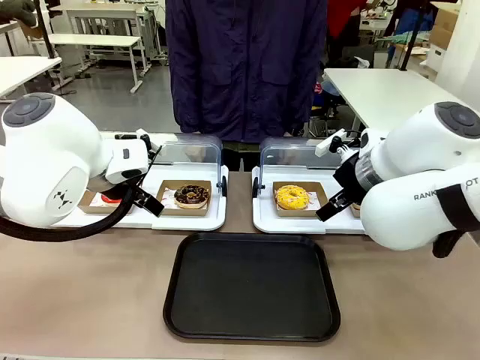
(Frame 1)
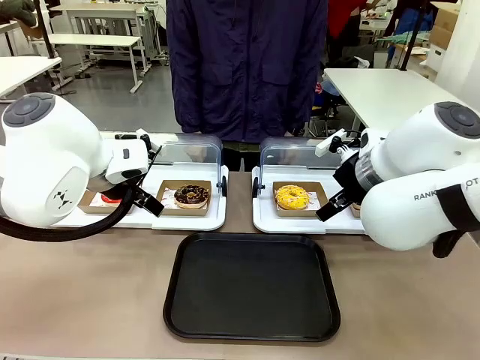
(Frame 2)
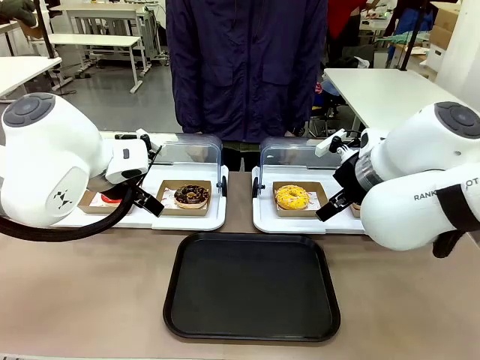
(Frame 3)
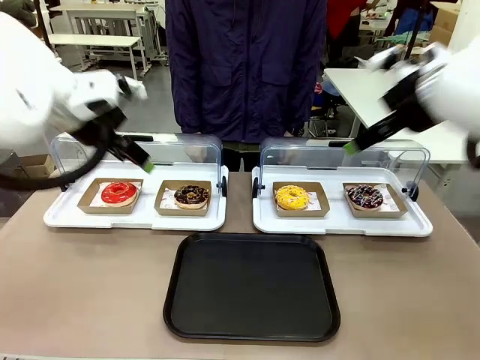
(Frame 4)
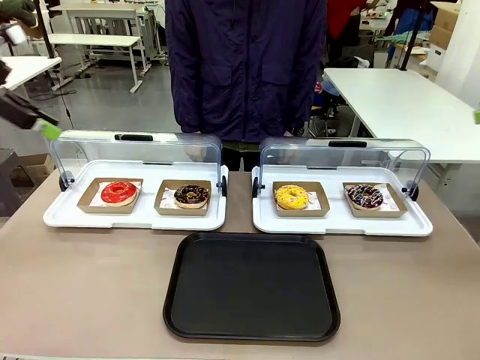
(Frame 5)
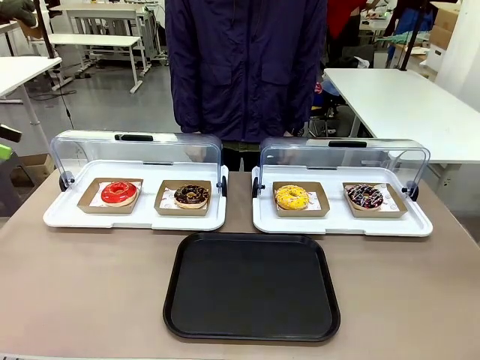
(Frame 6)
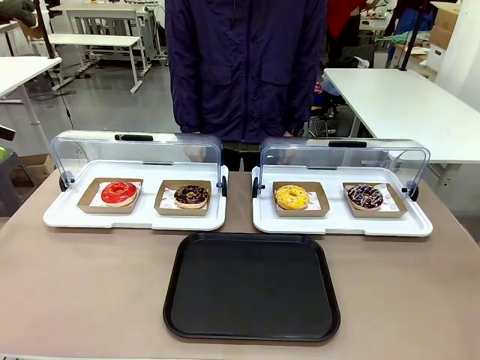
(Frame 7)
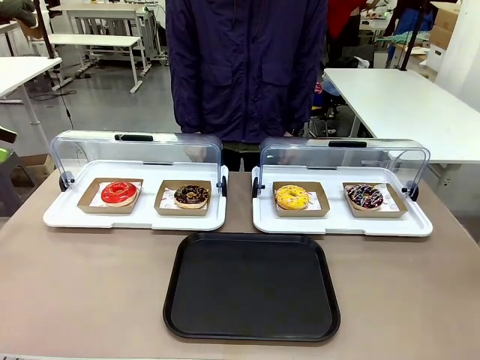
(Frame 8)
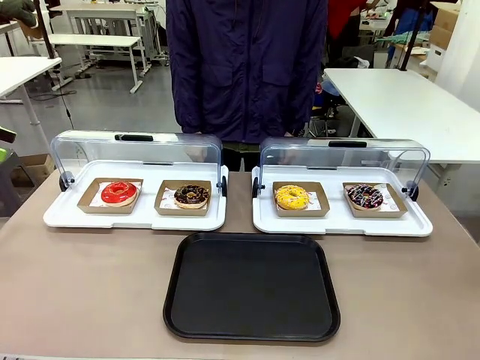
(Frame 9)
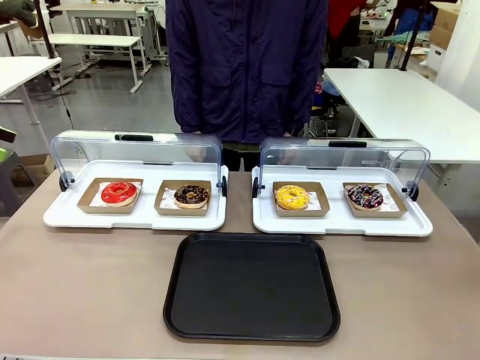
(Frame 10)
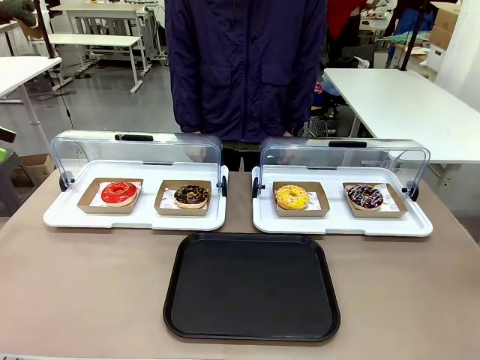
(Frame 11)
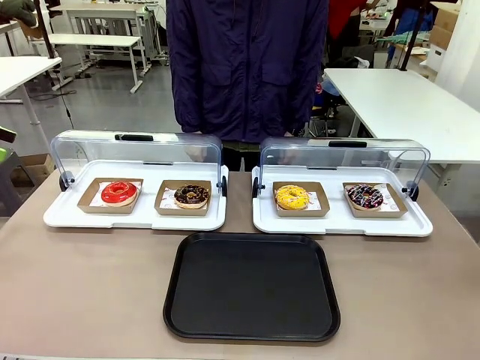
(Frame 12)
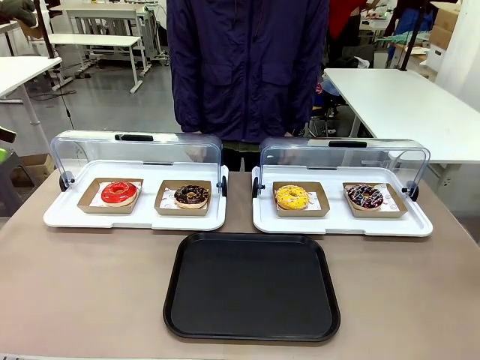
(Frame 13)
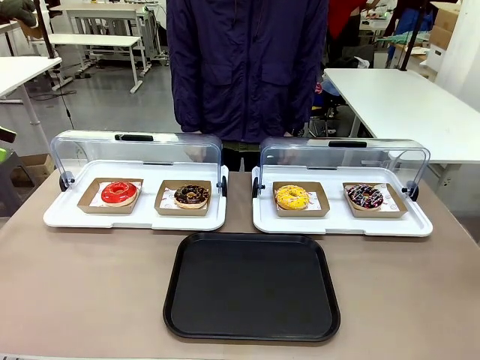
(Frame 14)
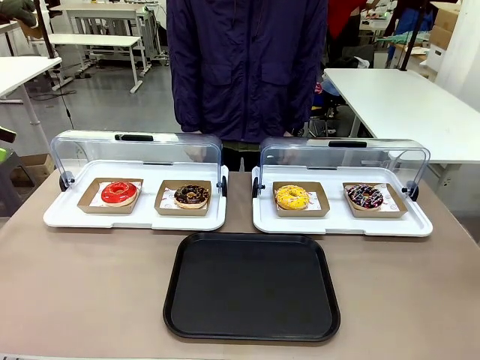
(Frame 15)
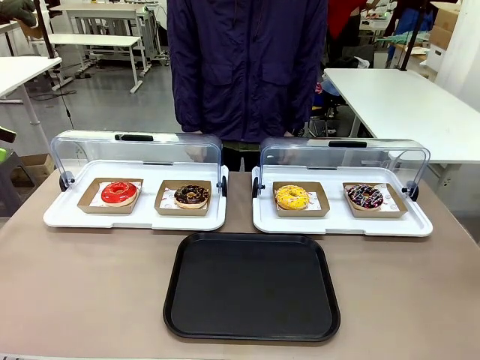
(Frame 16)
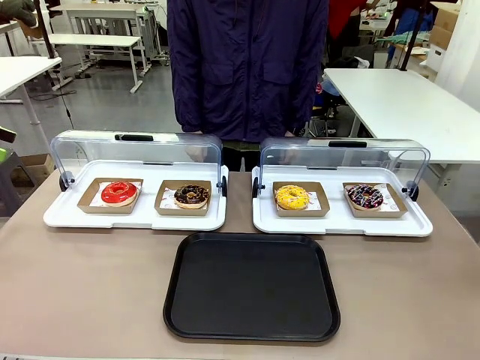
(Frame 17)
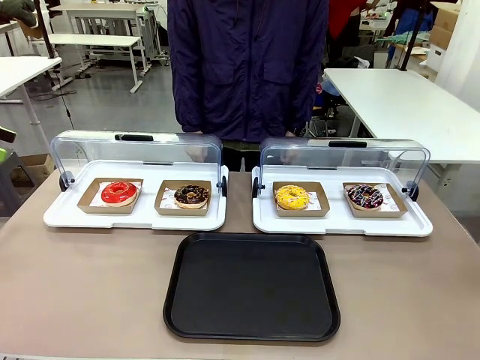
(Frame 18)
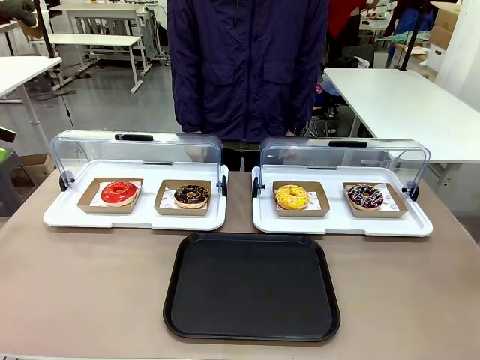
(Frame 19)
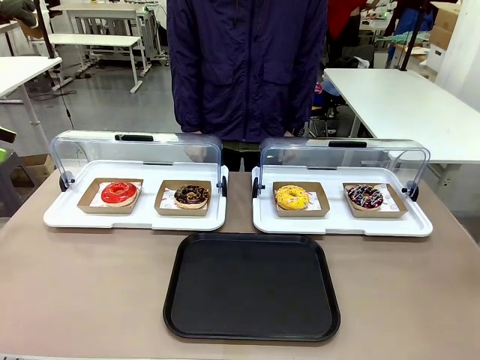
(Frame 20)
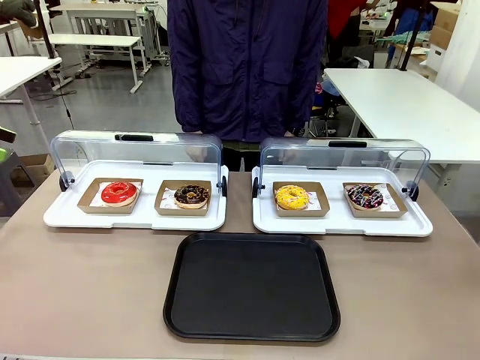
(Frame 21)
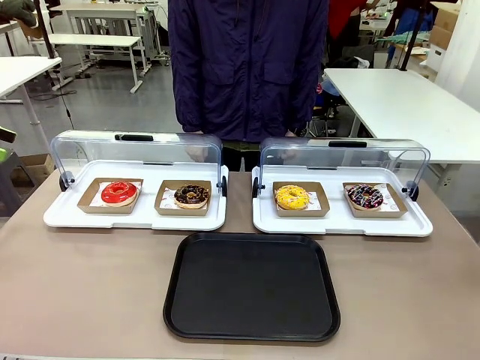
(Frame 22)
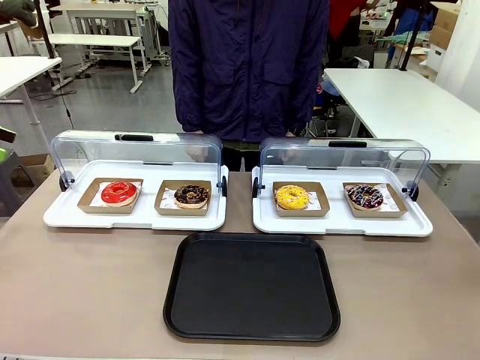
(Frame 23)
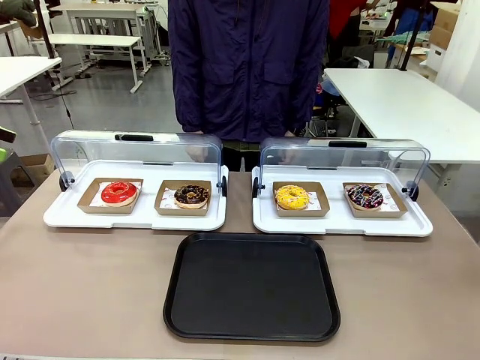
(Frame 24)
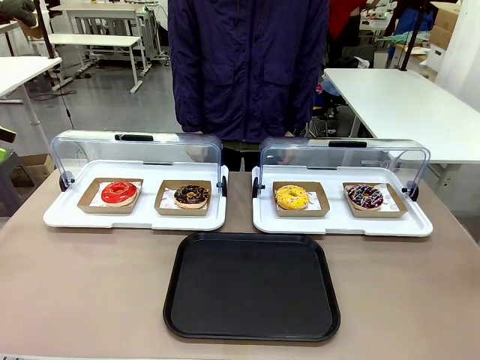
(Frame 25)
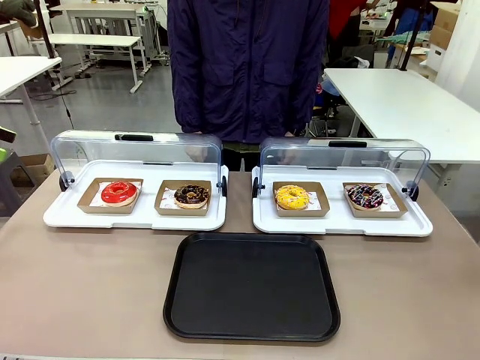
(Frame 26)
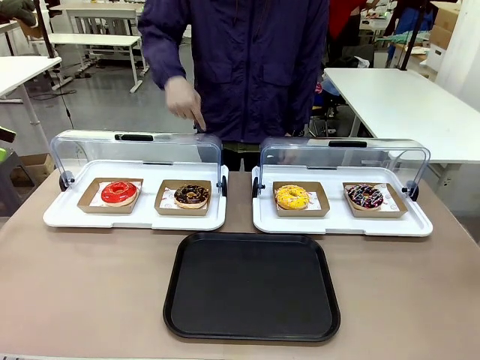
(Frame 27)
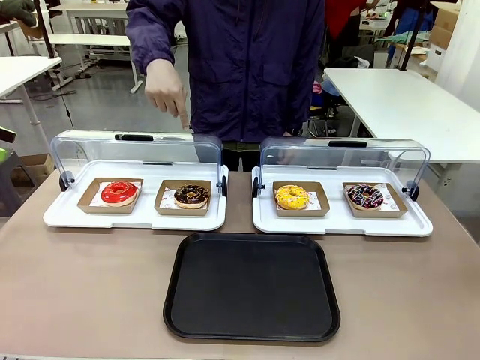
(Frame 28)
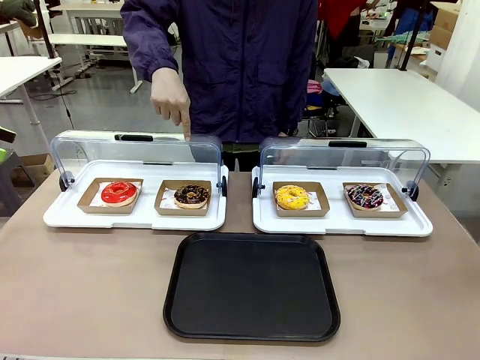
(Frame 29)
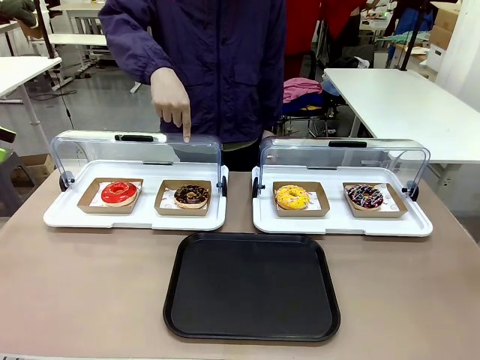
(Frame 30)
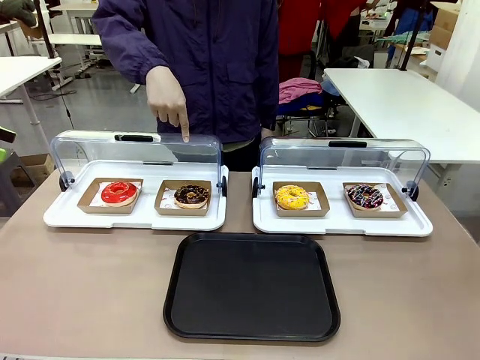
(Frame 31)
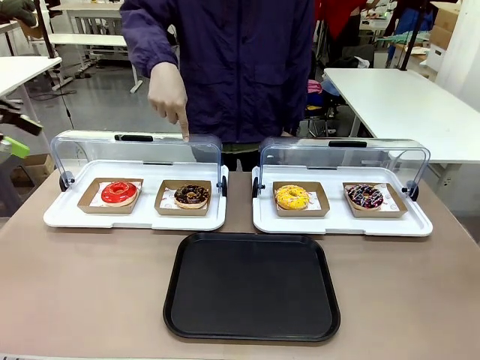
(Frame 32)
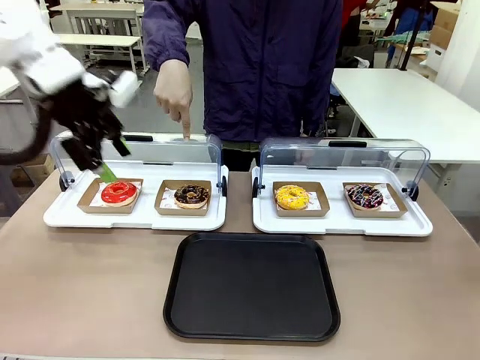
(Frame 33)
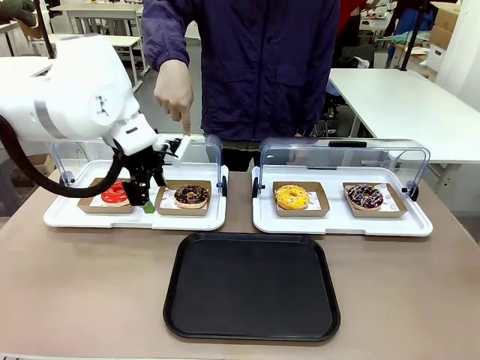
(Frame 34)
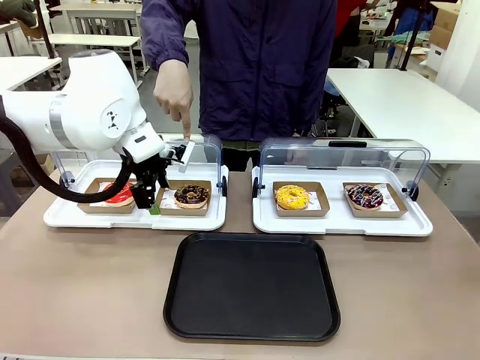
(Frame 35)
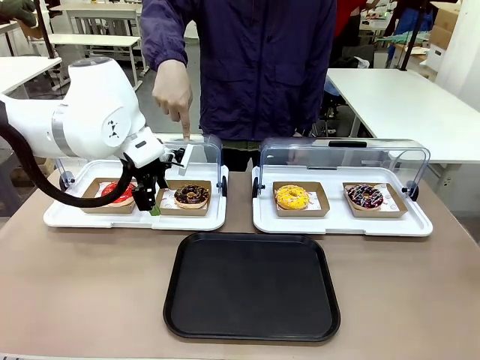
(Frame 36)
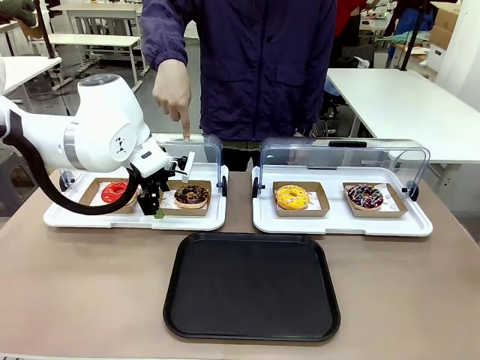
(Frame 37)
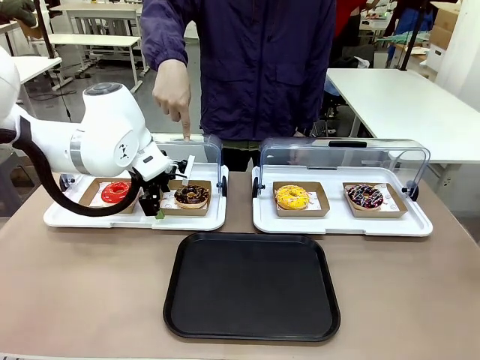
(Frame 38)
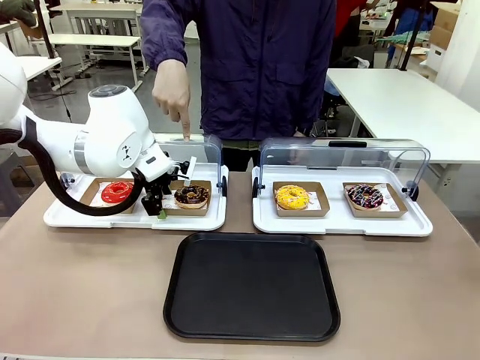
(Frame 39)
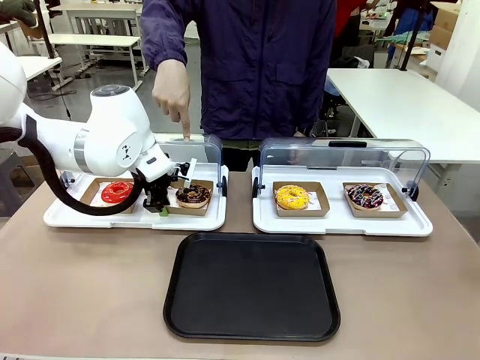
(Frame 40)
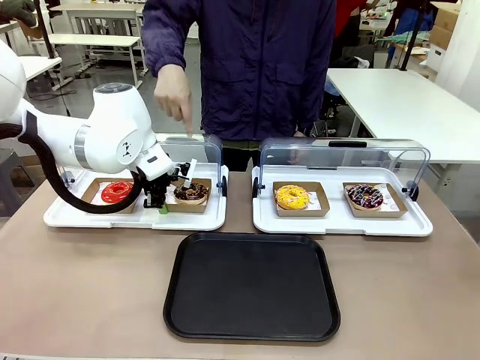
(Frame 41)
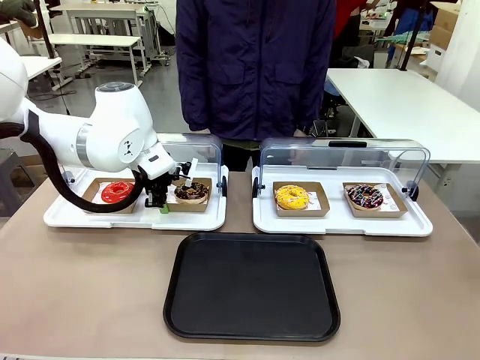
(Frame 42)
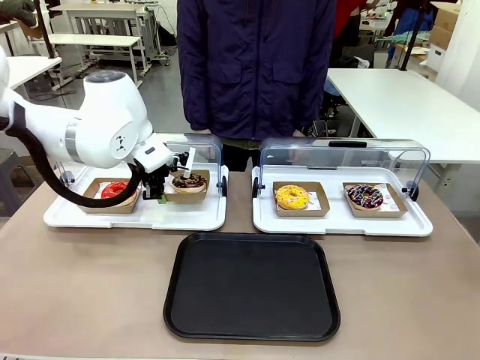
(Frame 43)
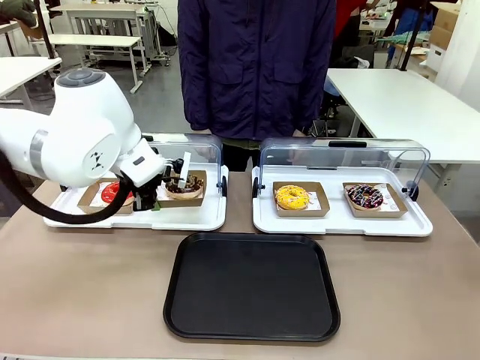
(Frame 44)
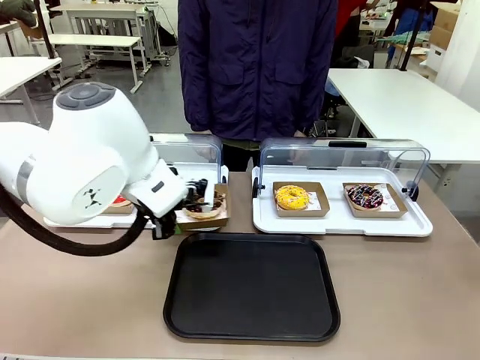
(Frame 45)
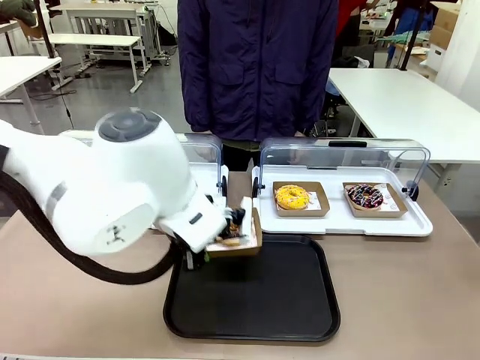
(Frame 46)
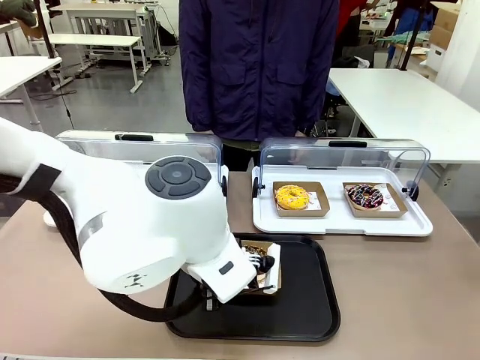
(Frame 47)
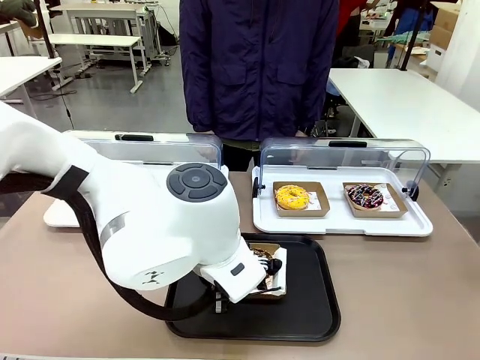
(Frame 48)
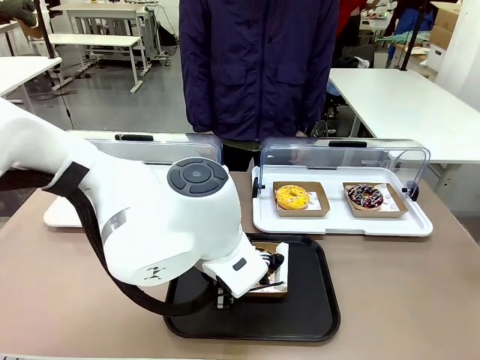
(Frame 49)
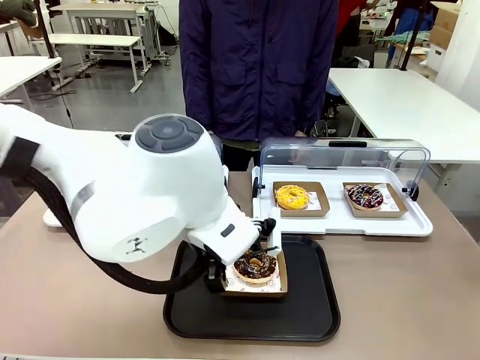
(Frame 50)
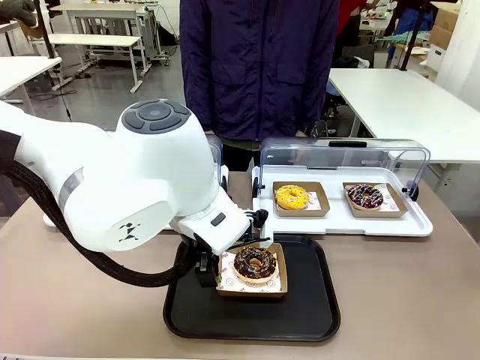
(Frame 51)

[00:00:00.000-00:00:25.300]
Task: Move the second donut from the left to the tray.
Robot: Pick up the Paper togo box containing the Donut indicated by the person and place it on the Handle tray.
Person: Points to the second donut from the left from the robot’s perspective.
